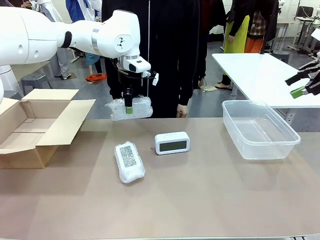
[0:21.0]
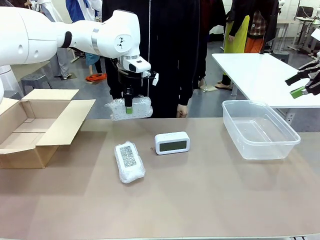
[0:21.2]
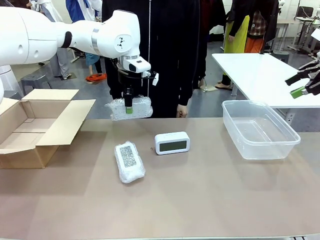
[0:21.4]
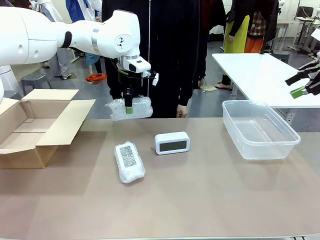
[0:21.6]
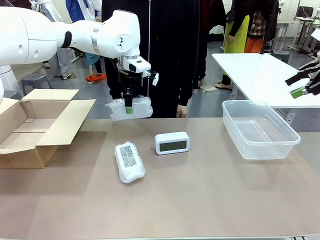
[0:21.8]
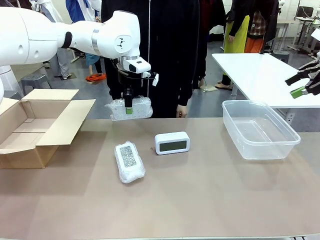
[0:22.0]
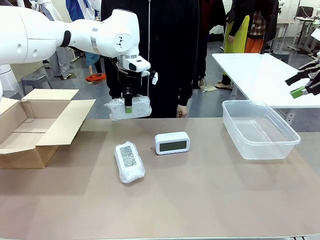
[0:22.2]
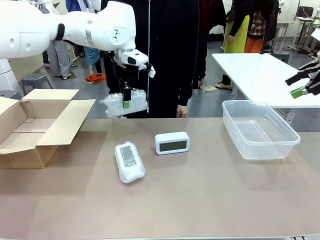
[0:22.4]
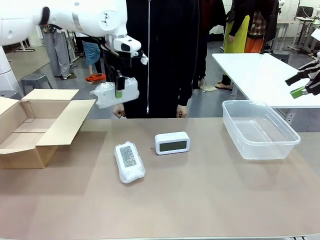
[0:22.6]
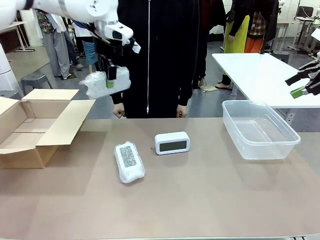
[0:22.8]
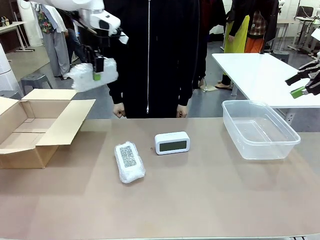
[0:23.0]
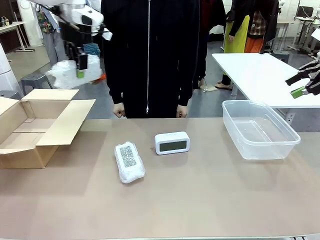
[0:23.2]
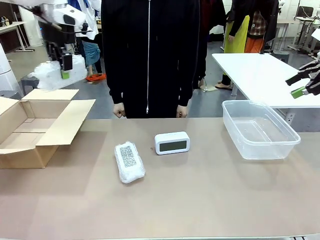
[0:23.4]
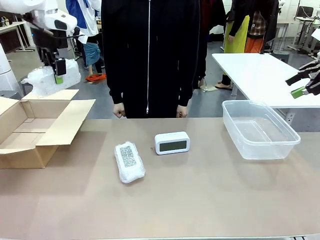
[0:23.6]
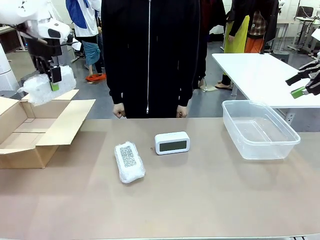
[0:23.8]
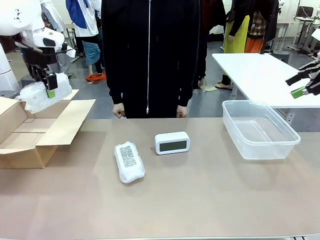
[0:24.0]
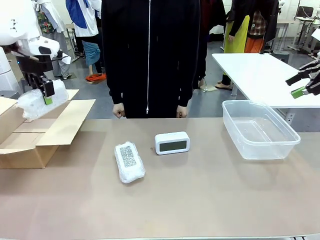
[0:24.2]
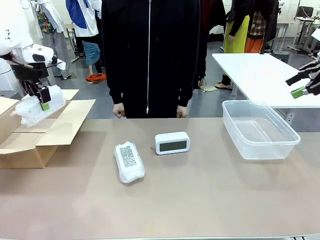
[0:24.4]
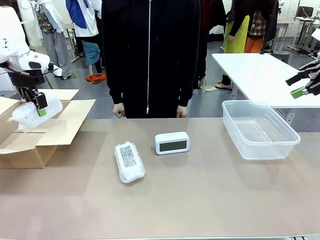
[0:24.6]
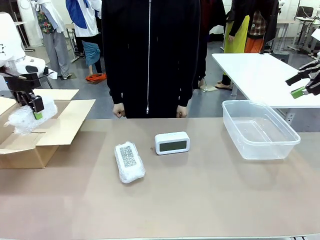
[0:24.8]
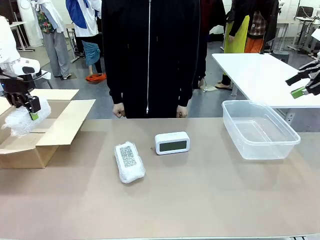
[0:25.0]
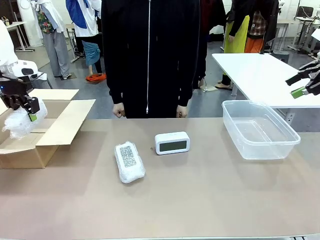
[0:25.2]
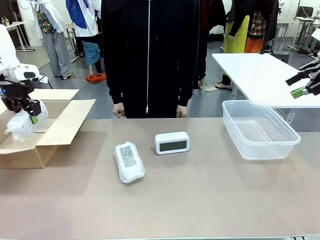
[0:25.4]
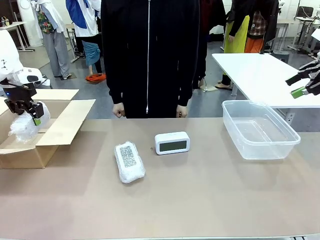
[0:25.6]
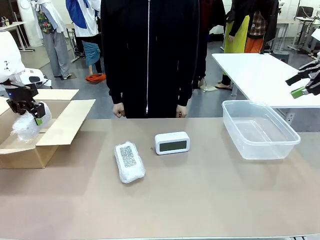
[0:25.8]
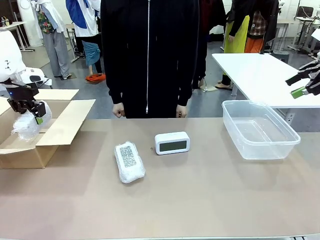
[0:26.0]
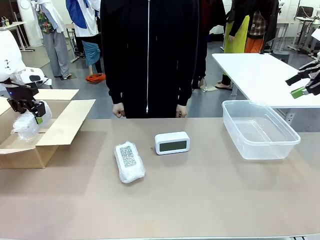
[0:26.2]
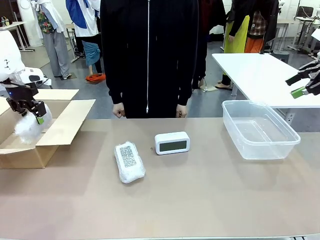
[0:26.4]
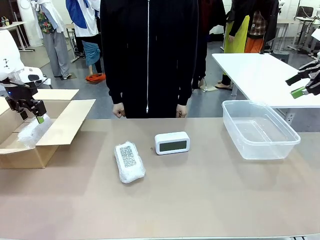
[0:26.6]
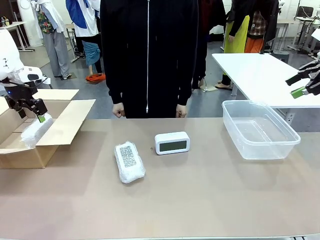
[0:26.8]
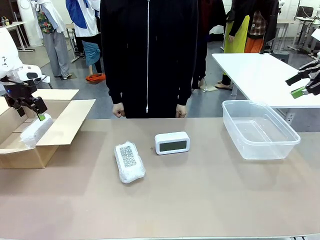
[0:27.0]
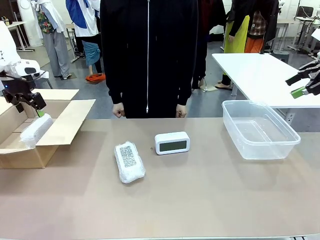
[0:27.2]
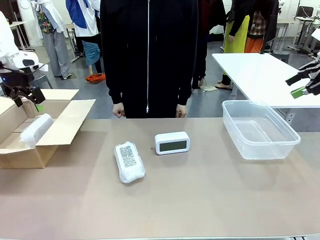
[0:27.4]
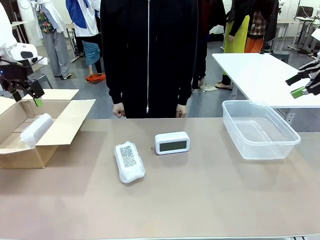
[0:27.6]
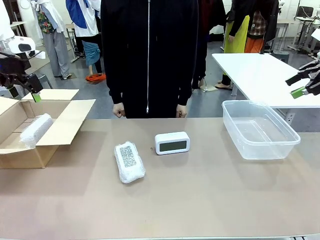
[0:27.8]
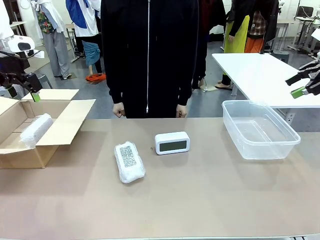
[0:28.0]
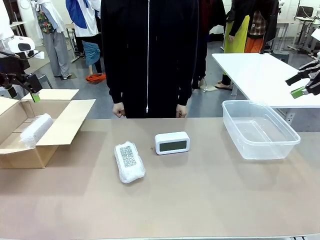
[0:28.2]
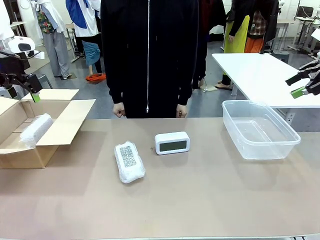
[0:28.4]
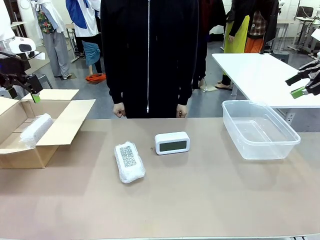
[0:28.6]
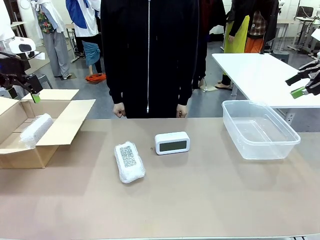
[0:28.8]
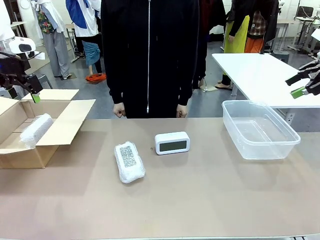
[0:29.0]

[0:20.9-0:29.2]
Task: Separate and place wrapped and unwrapped clocks.
Robot: If the picked Digital clock is wrapped, place it in the Package Box ; if not, place it in the Organizing box.

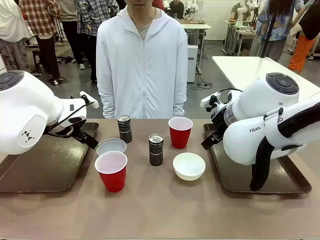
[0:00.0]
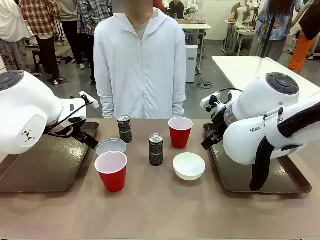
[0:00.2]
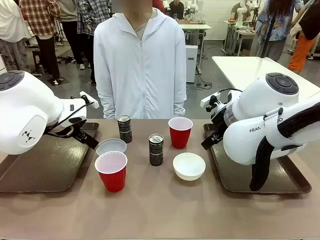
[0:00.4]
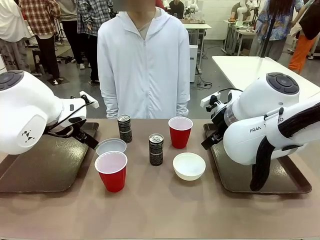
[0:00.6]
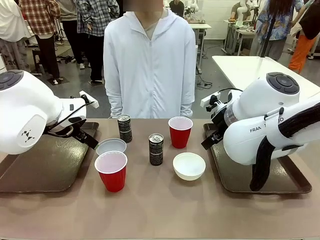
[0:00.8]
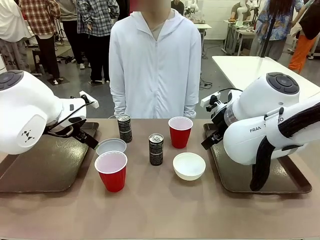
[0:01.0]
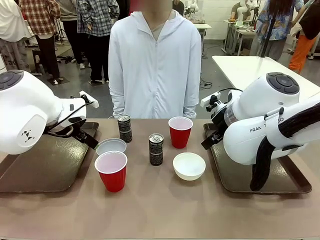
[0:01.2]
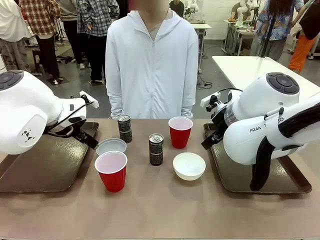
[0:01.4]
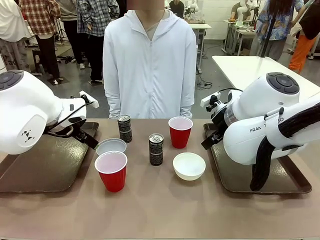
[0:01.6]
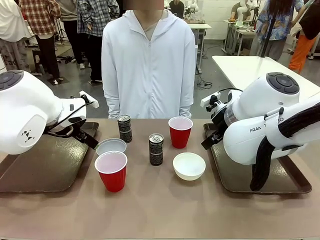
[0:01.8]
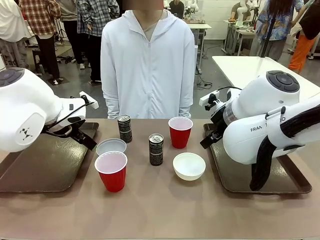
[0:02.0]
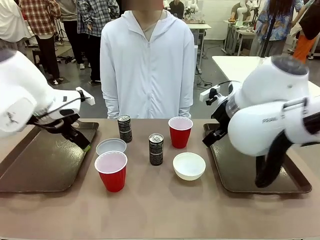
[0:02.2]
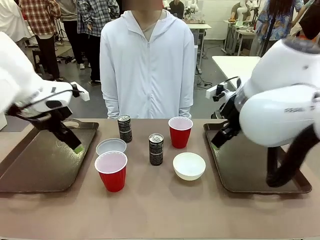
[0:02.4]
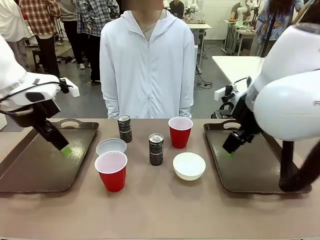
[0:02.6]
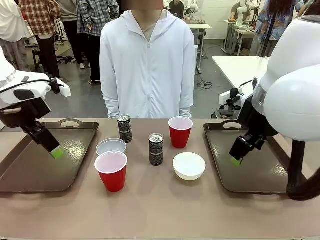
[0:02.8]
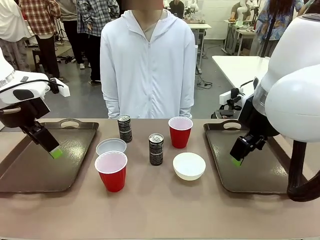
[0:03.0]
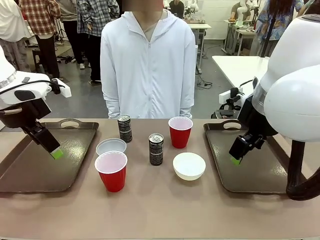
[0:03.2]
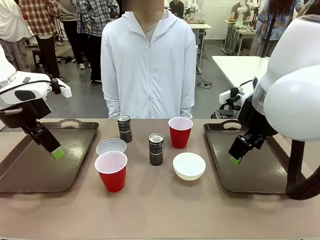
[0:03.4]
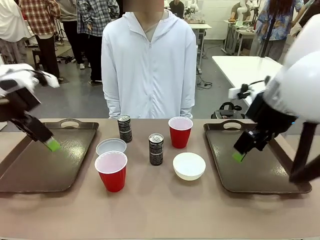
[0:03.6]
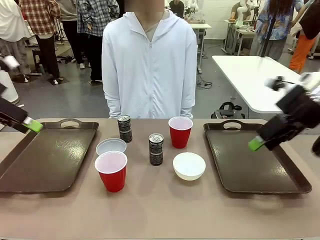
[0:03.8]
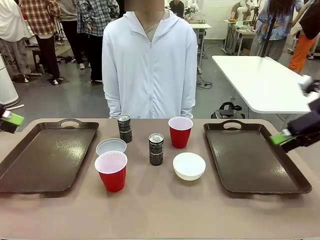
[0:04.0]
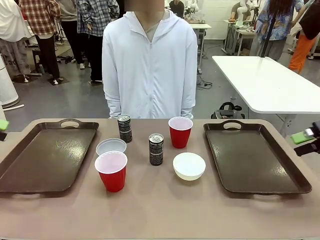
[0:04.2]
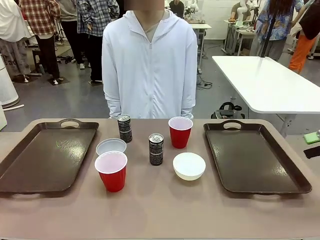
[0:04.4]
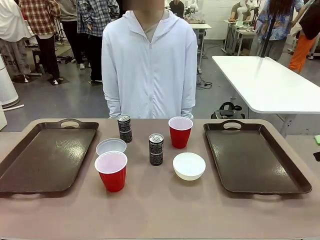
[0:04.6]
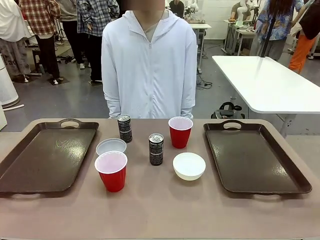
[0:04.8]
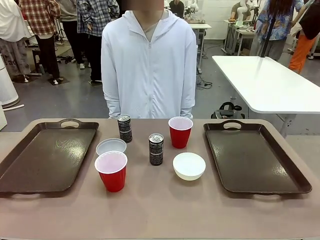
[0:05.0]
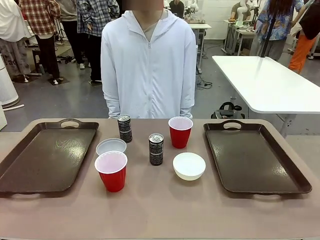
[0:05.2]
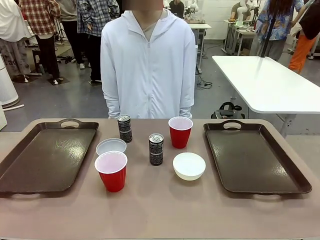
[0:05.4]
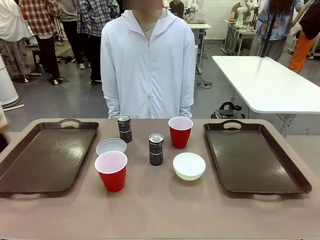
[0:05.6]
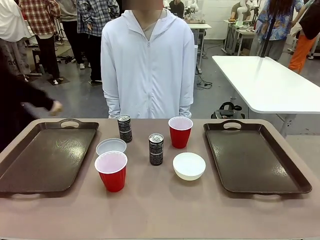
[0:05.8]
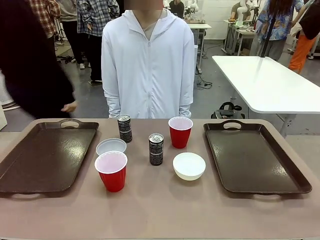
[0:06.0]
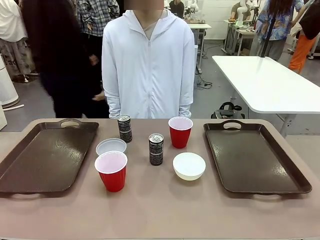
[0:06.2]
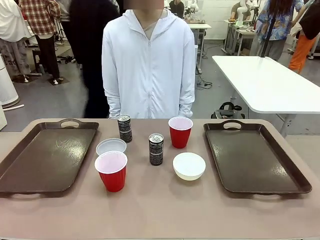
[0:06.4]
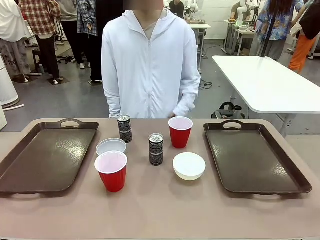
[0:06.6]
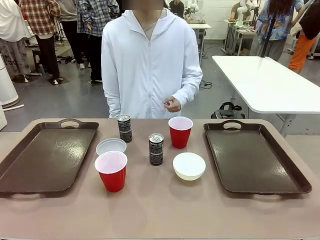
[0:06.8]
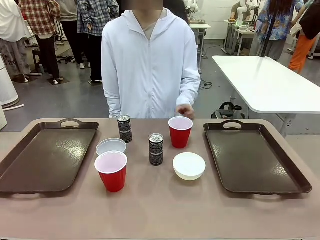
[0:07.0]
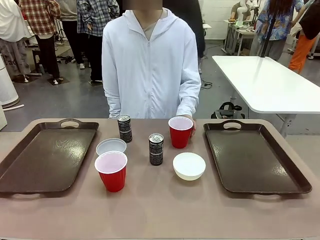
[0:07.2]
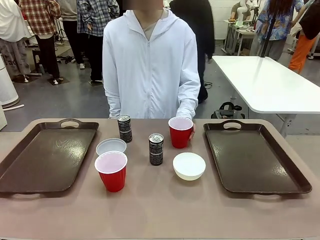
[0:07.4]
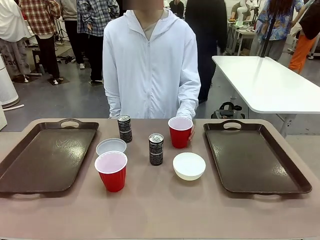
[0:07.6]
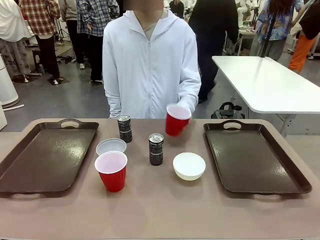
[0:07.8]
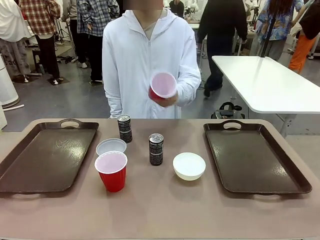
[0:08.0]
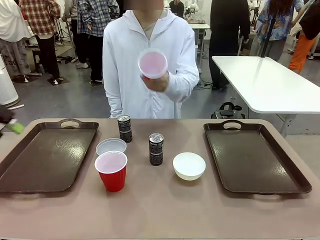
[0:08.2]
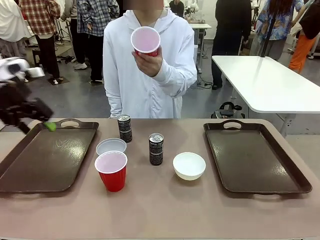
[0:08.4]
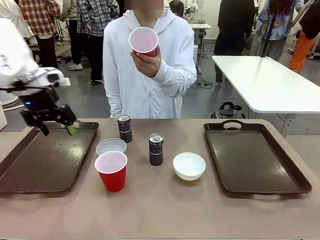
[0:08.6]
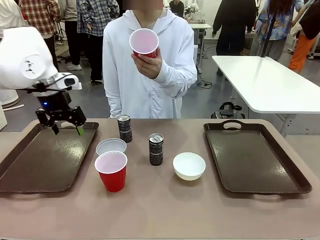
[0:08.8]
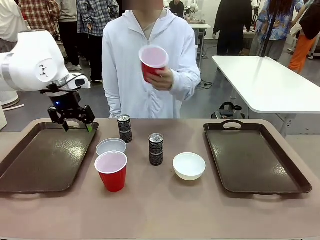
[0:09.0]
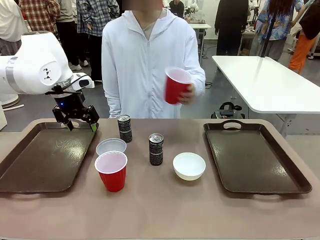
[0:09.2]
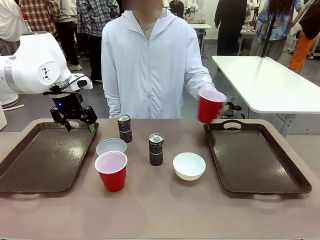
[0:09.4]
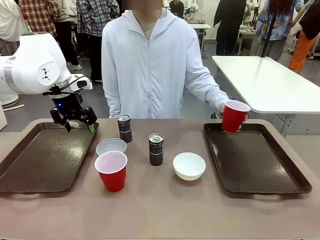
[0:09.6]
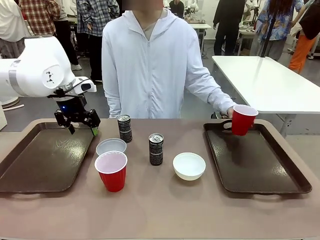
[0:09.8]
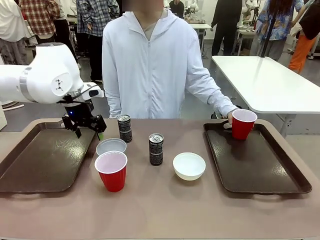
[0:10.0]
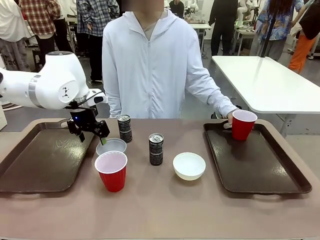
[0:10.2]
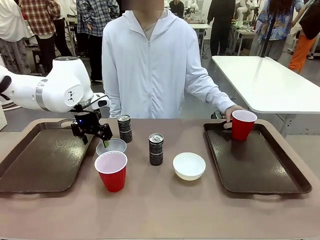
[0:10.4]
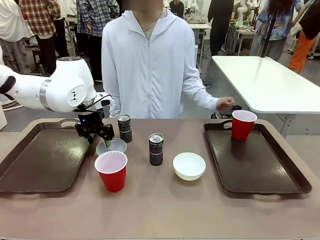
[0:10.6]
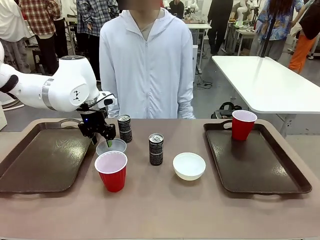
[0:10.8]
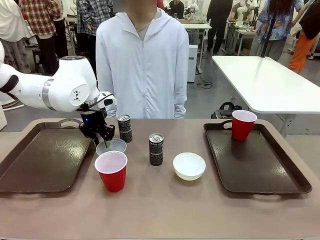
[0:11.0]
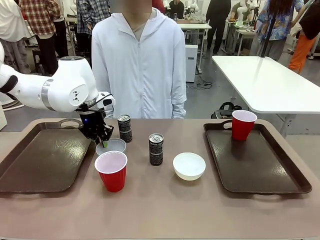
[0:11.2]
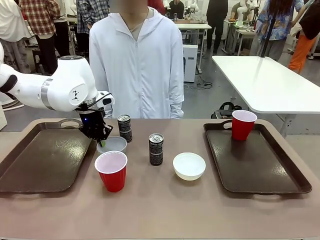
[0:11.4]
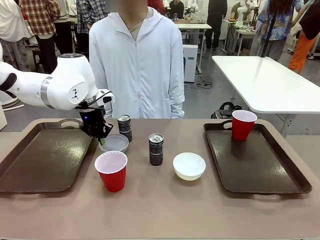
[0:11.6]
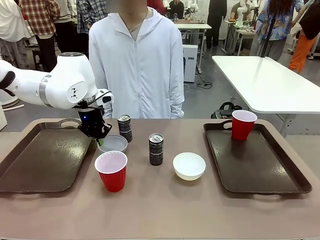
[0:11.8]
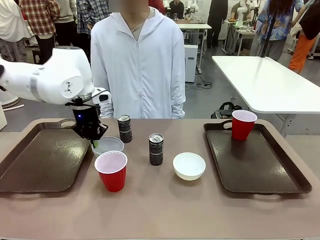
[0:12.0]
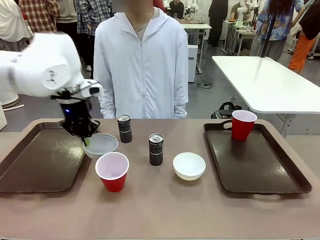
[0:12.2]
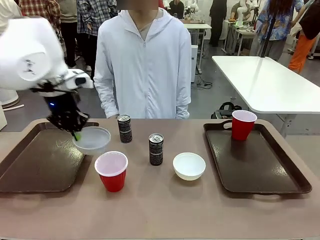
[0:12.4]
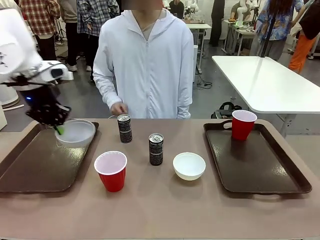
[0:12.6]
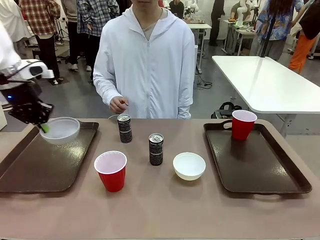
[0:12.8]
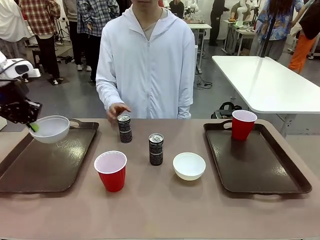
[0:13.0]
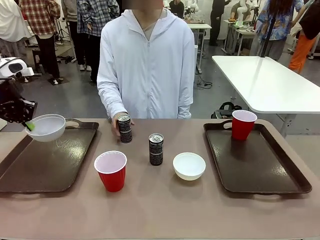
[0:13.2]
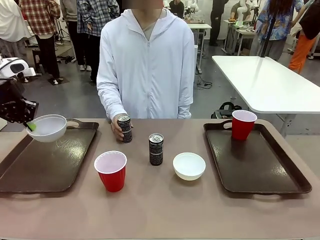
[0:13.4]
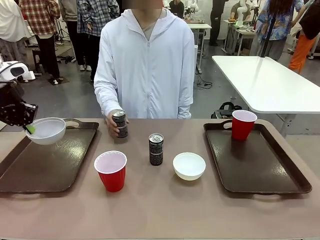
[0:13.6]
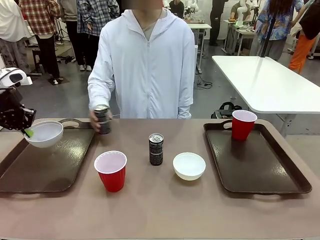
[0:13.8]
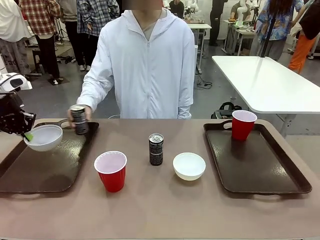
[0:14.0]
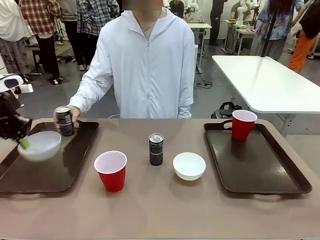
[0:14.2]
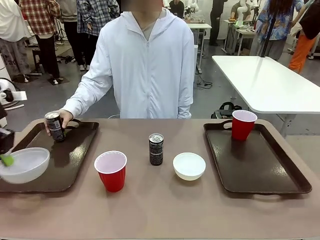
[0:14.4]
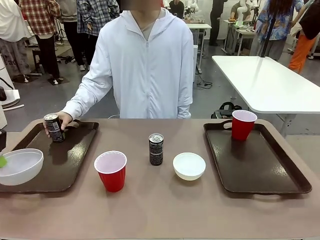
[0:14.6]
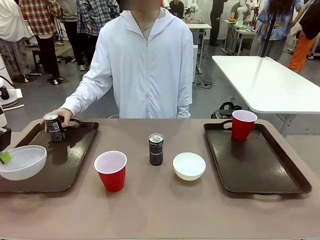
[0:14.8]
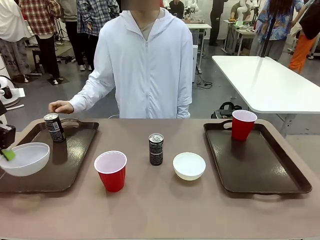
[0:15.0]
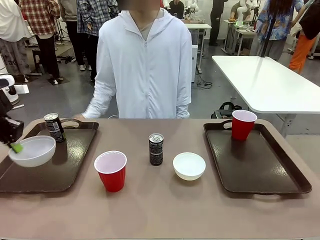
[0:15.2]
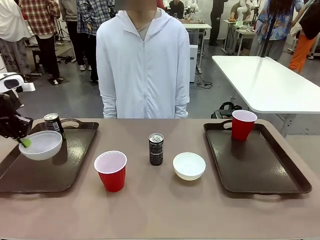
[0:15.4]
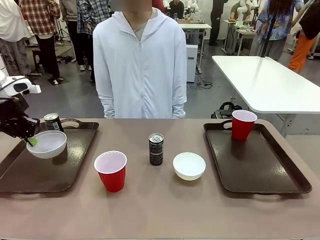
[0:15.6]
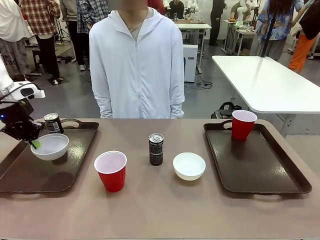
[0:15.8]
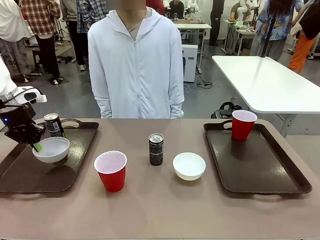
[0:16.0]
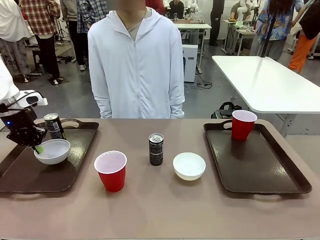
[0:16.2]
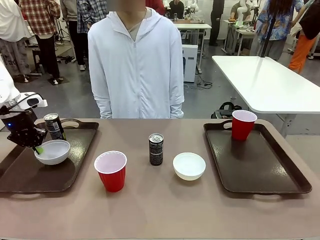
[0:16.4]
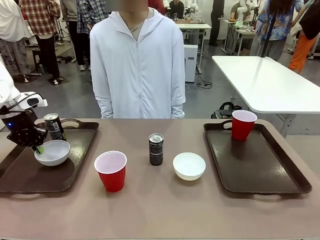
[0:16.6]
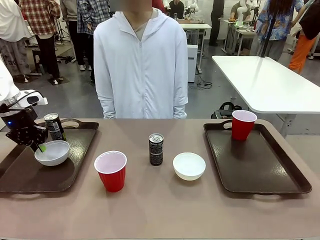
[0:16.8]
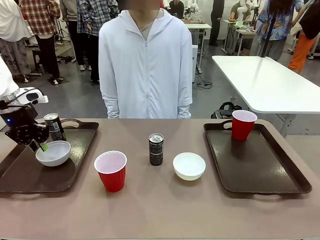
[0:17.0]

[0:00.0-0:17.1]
Task: Prepare tableware on both trays.
Robot: Pick up a Picnic Bowl from the table and place it on a Handle tray.
Person: Pick up a can or cup and place it on the tray.
